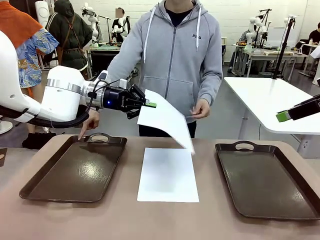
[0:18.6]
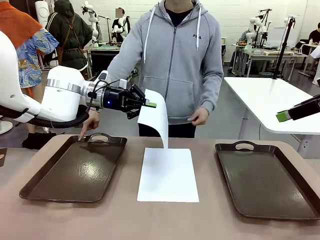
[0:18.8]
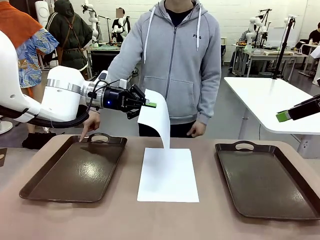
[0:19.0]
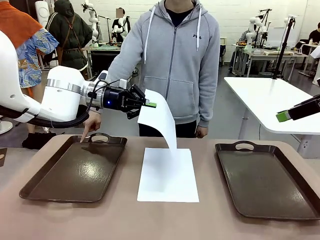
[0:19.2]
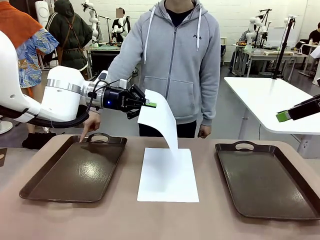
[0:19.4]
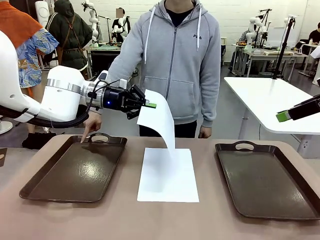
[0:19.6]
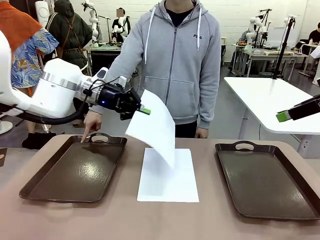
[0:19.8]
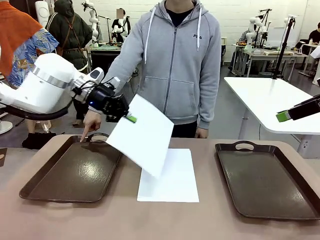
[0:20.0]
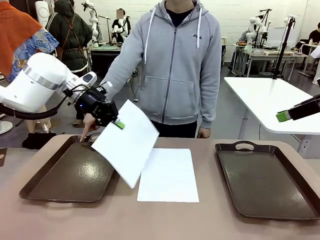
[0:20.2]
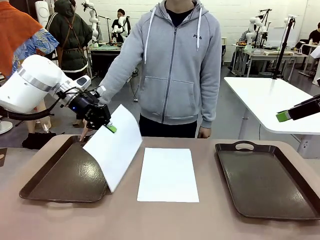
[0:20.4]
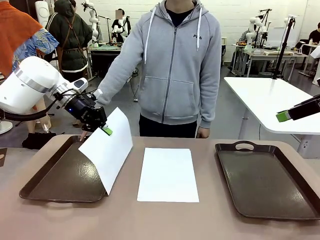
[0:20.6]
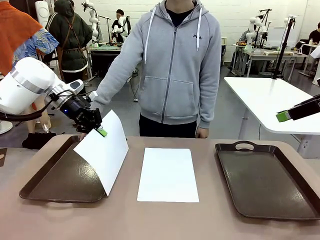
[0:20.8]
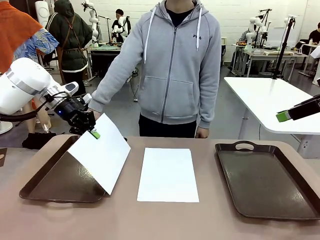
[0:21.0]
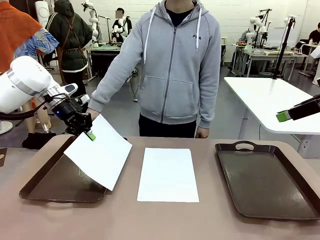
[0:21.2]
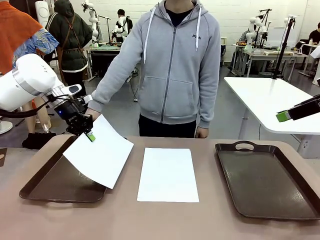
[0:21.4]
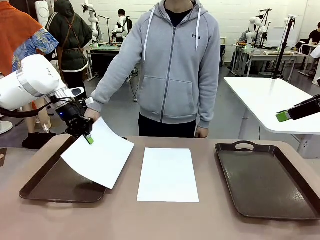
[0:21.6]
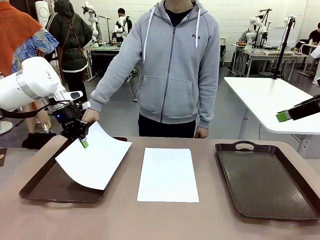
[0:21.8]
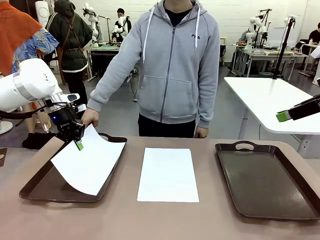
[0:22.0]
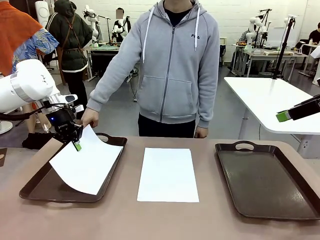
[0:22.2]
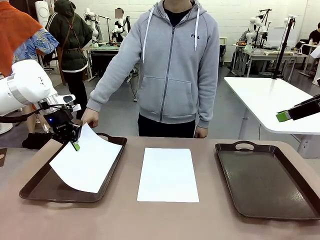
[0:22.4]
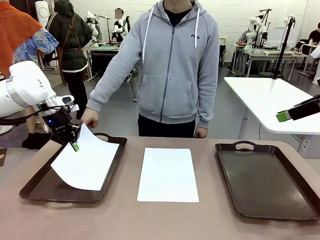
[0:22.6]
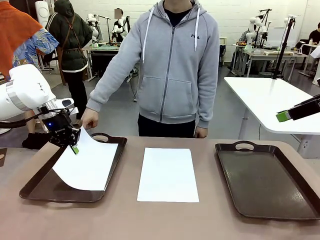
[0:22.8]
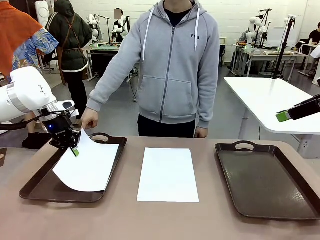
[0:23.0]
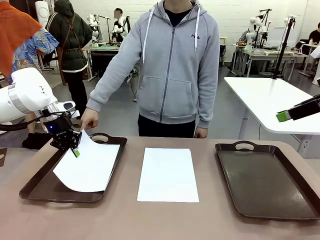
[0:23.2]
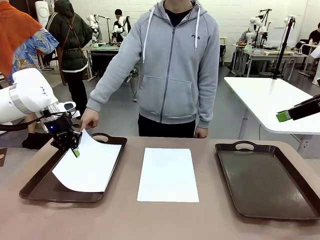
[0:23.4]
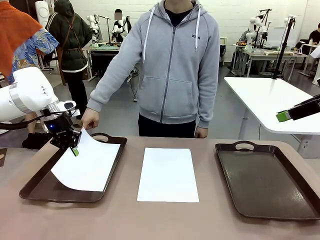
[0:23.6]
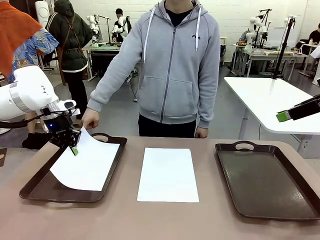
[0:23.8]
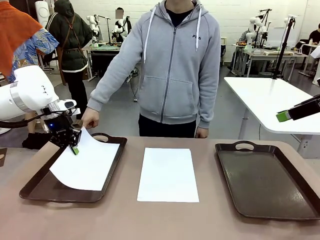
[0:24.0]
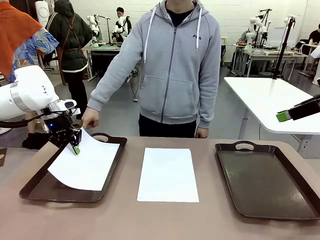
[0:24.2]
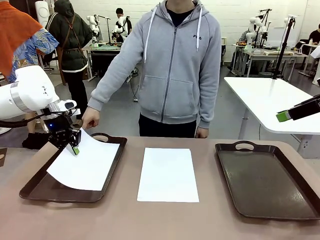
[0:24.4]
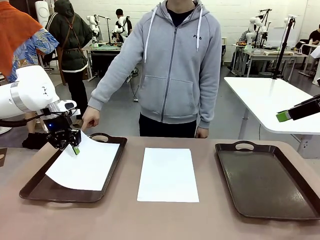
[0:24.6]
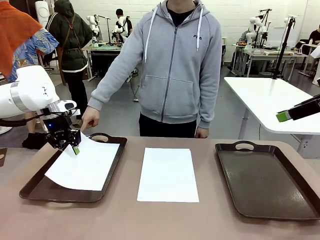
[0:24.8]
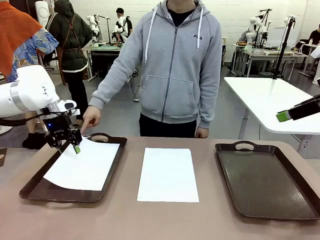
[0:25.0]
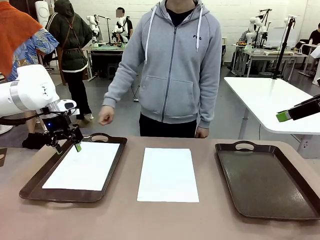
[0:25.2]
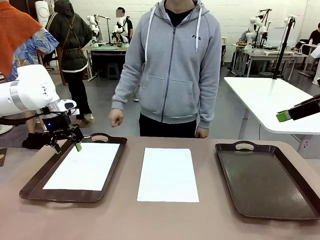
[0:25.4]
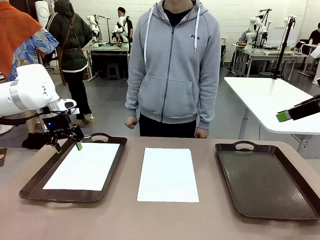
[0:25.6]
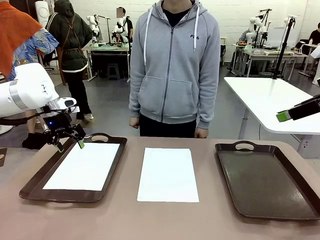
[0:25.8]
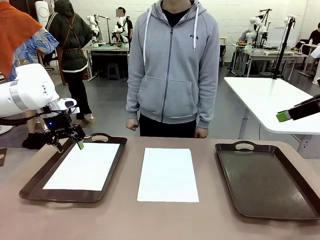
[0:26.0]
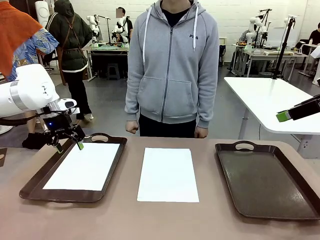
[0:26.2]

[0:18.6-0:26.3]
Task: Sort the A4 documents.
Robot: Place the A4 Paper in the designated Handle tray.

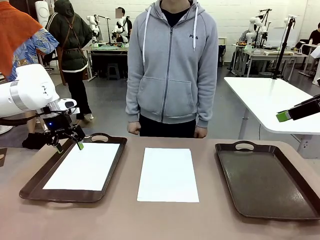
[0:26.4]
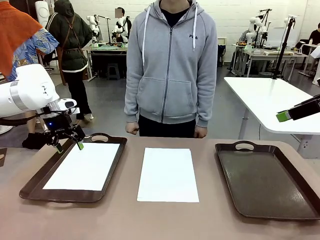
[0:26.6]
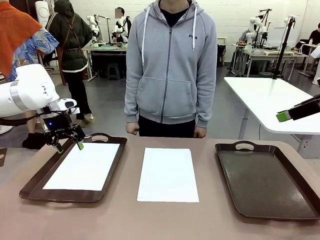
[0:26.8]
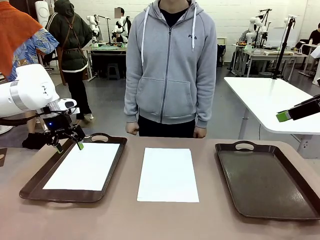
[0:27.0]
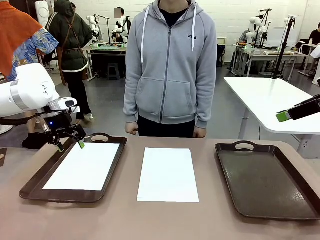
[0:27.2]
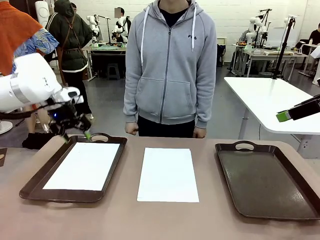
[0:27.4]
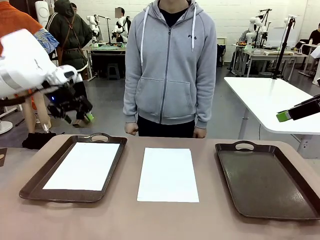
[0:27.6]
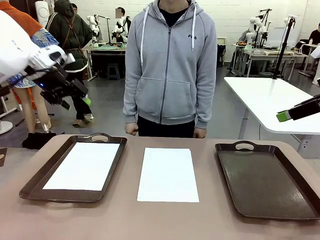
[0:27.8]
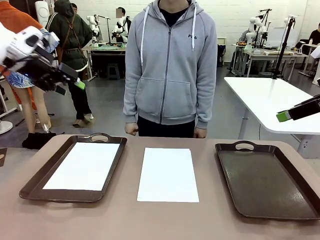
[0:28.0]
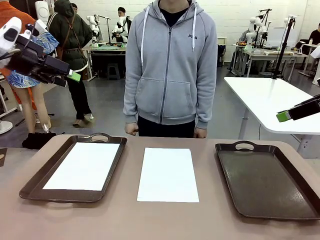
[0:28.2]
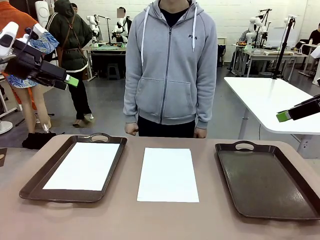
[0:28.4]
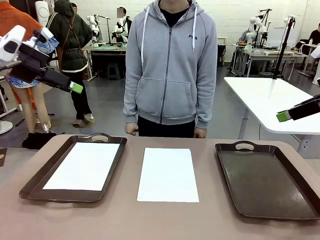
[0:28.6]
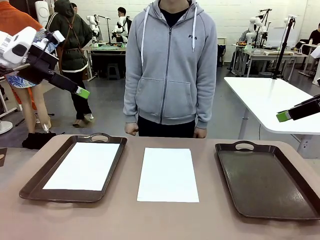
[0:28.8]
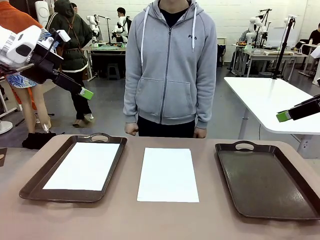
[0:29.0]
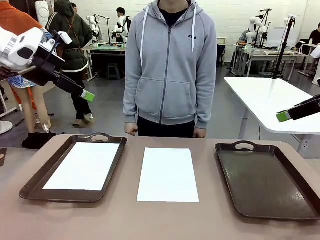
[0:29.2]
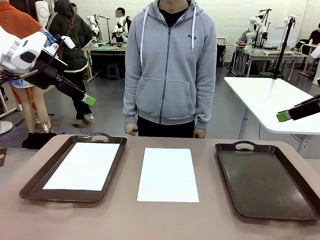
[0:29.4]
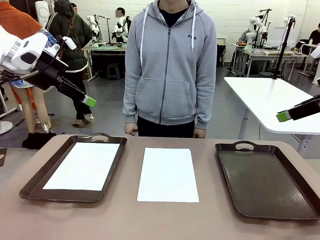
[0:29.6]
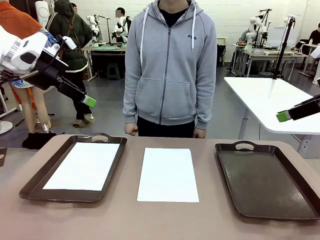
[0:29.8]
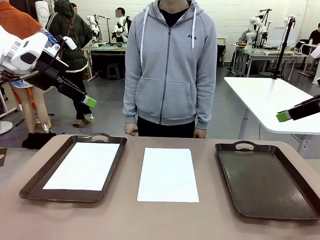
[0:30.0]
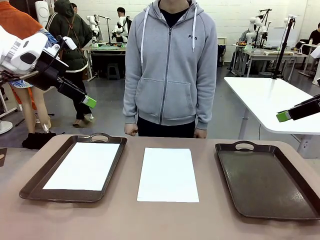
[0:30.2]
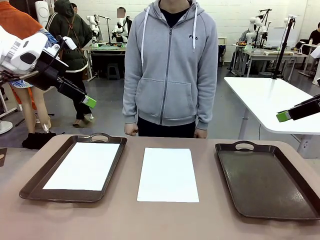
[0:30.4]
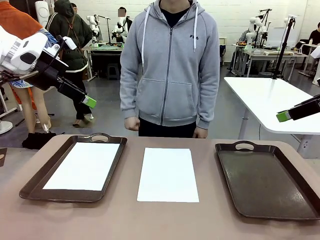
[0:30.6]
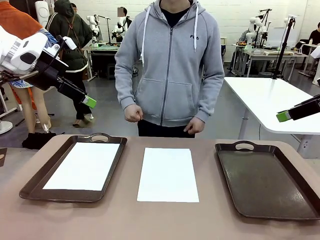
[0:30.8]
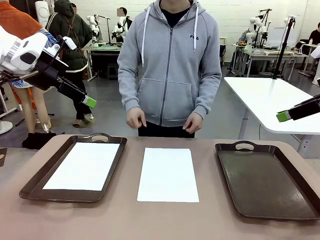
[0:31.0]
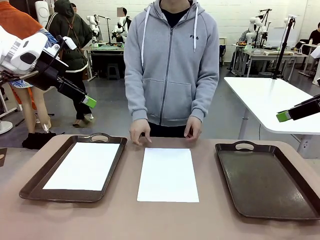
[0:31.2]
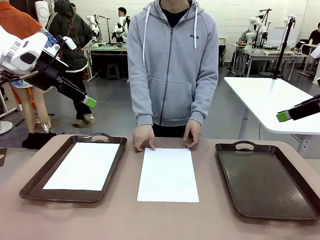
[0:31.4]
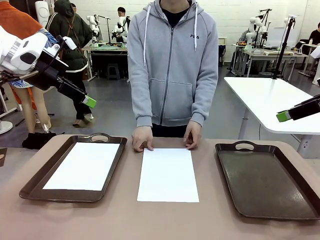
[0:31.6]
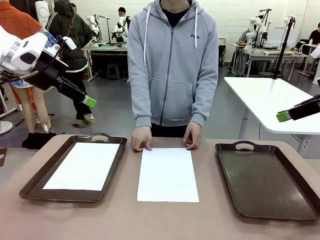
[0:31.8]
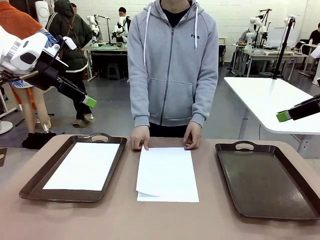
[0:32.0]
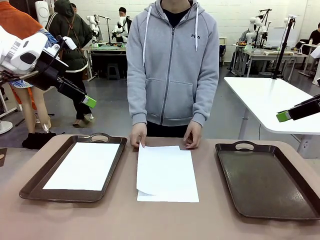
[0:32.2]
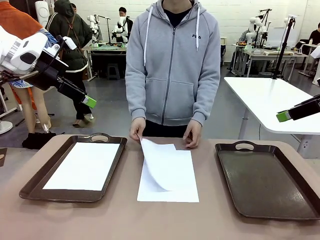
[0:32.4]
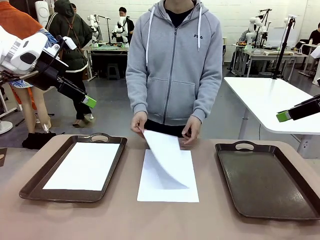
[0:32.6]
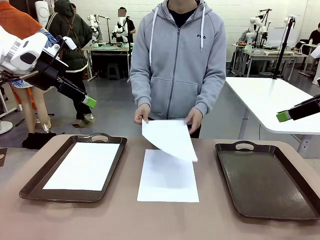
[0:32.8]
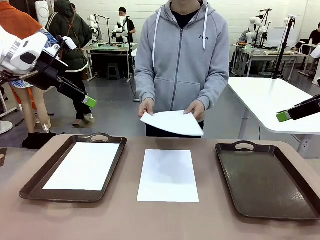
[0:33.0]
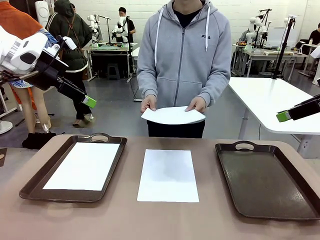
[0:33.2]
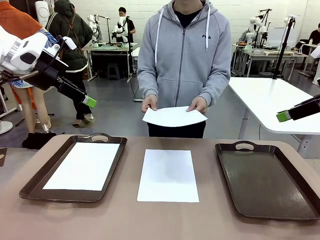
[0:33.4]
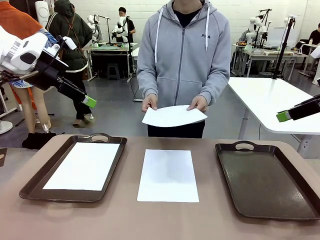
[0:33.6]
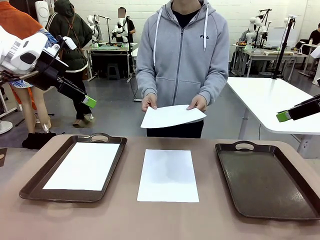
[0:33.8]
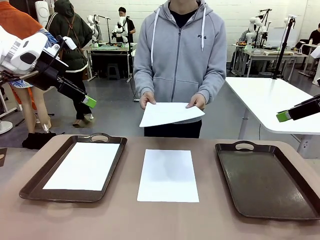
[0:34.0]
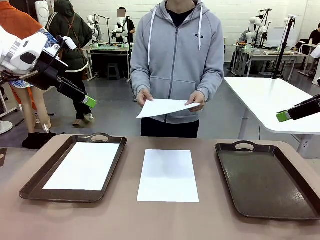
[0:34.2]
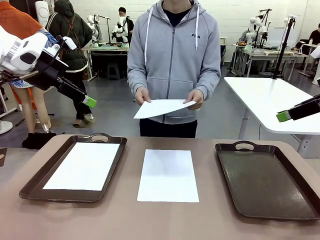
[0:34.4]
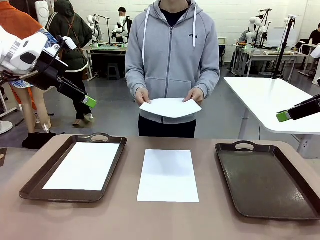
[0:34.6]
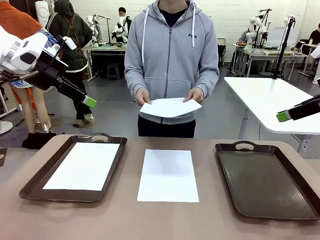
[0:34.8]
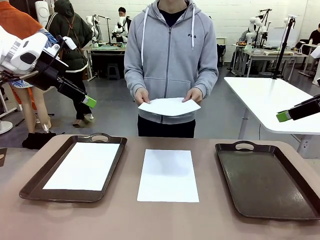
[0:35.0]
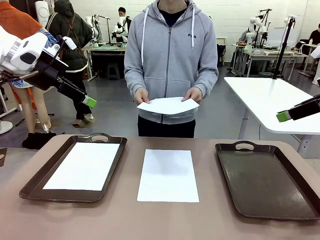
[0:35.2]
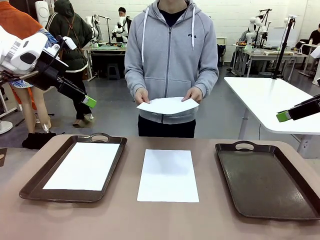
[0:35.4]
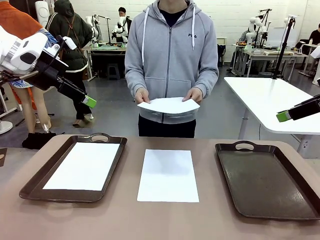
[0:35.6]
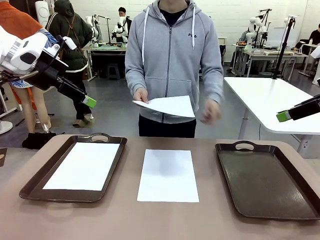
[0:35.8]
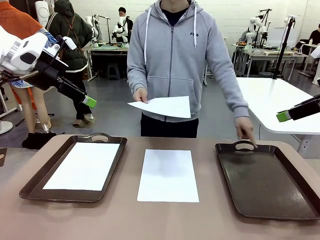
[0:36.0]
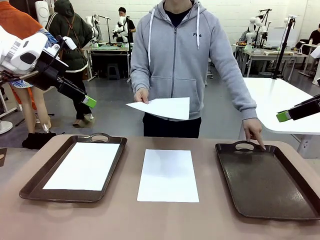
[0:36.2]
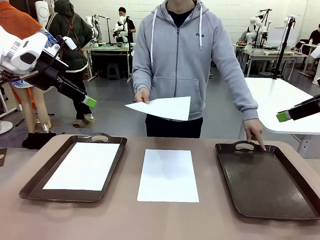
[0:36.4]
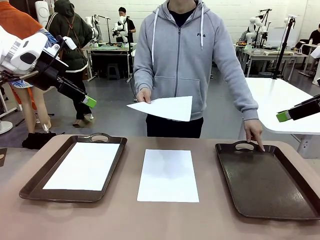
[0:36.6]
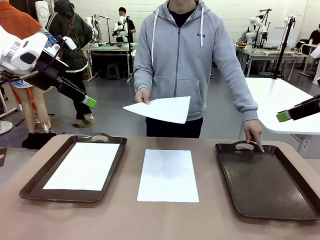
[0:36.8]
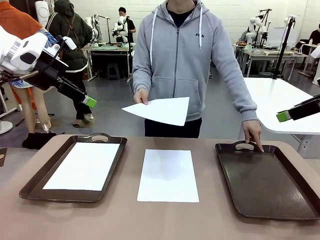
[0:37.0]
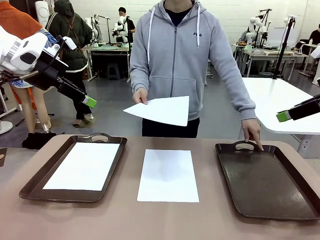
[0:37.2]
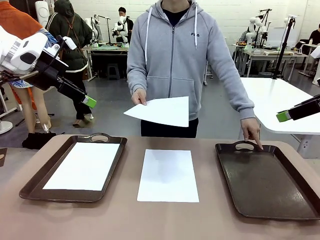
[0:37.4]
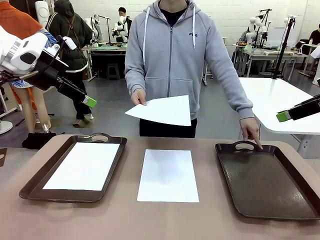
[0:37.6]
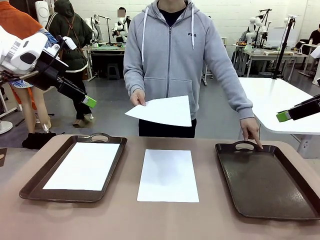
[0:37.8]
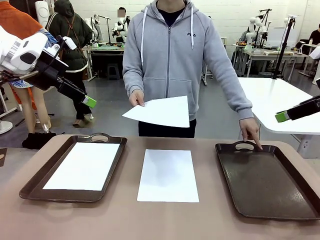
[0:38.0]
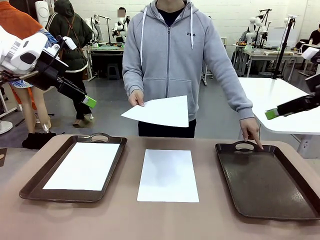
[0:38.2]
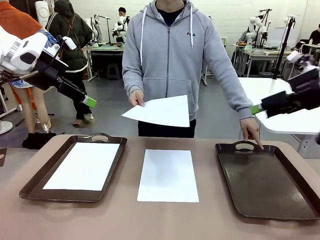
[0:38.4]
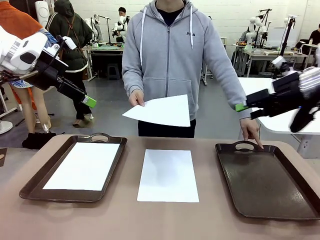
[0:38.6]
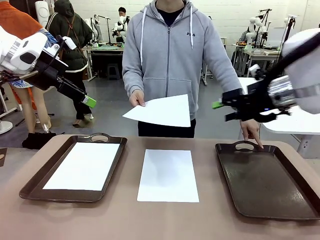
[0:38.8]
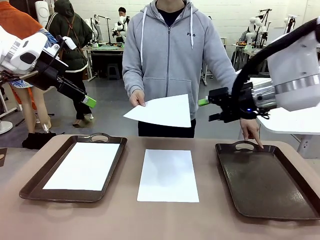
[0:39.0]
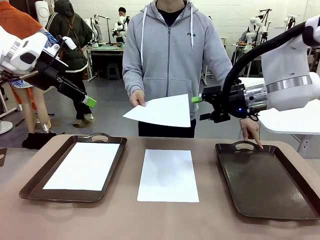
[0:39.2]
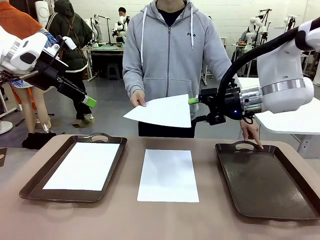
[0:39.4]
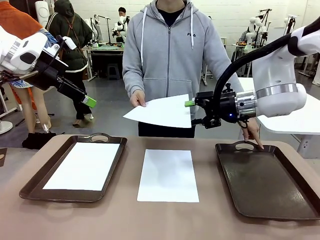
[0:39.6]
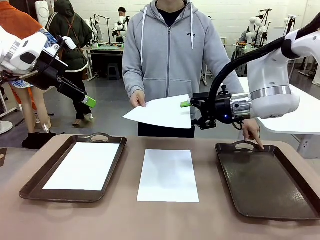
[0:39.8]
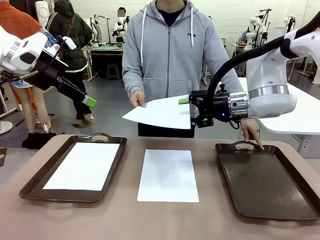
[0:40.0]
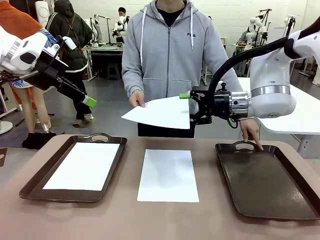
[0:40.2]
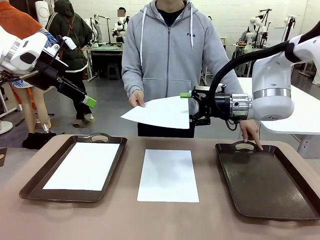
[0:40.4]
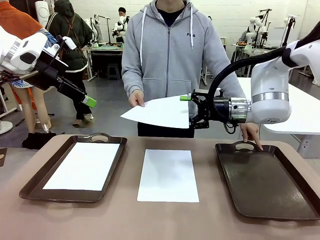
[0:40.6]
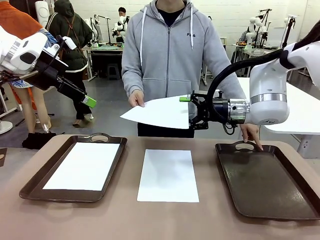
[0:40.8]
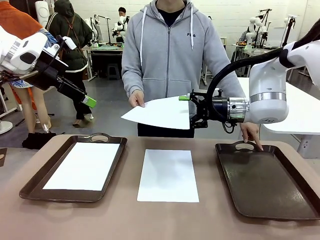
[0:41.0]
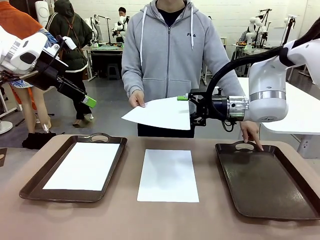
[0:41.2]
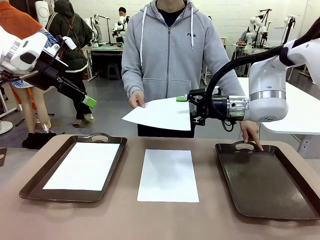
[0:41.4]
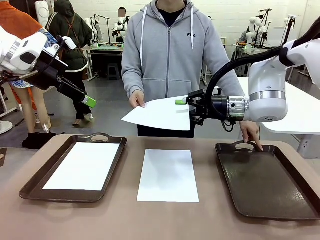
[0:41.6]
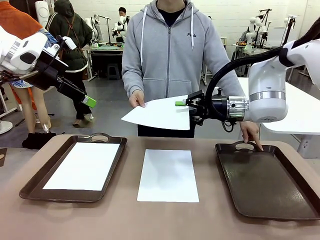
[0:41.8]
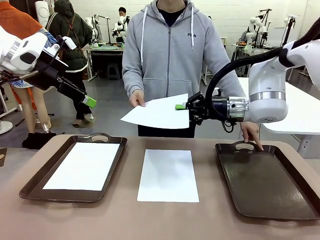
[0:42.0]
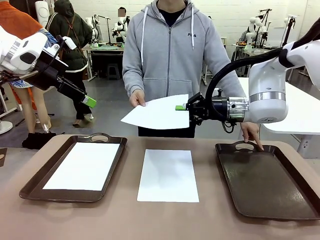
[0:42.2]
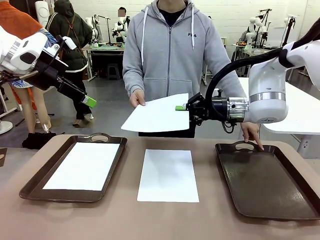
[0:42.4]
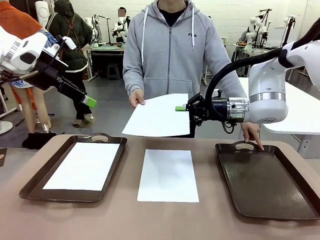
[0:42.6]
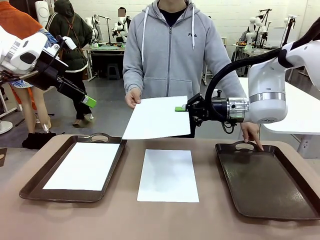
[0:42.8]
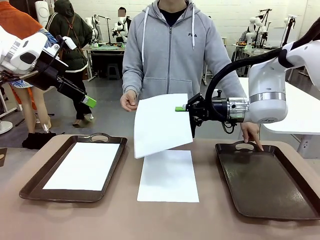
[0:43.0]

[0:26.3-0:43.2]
Robot: Receive the A4 Paper.
Person: Point the randomly selected tray with the other hand.
